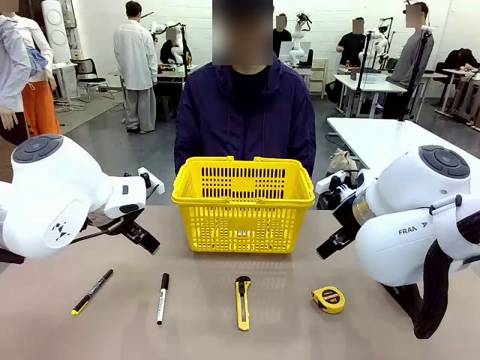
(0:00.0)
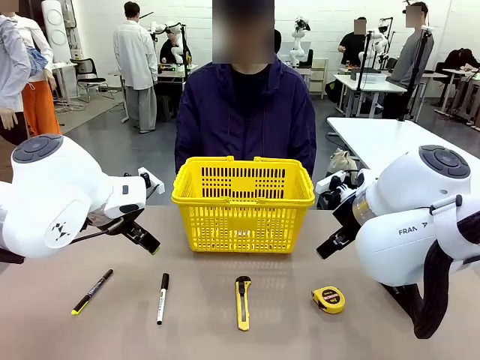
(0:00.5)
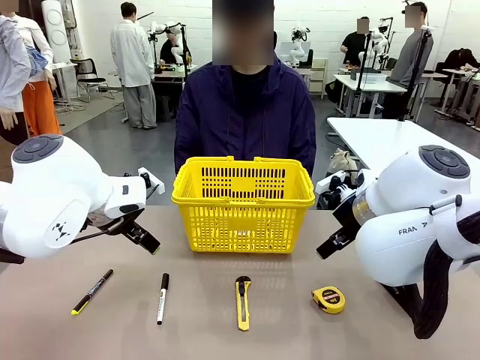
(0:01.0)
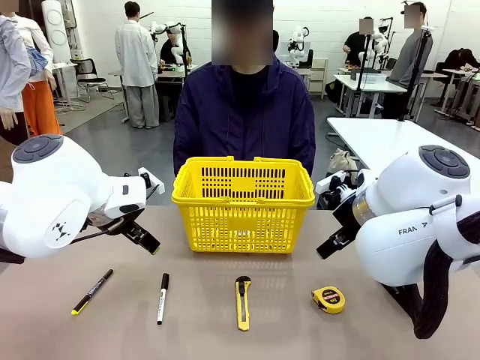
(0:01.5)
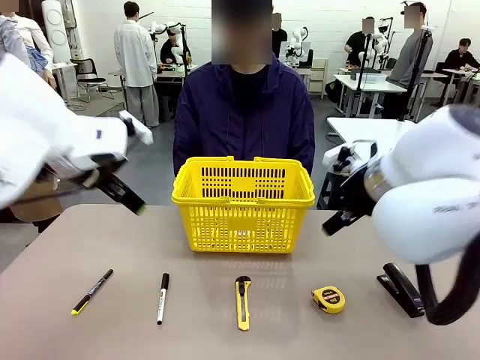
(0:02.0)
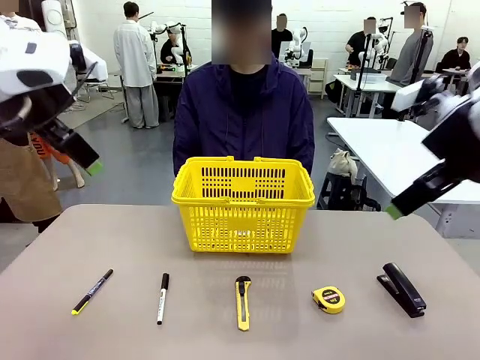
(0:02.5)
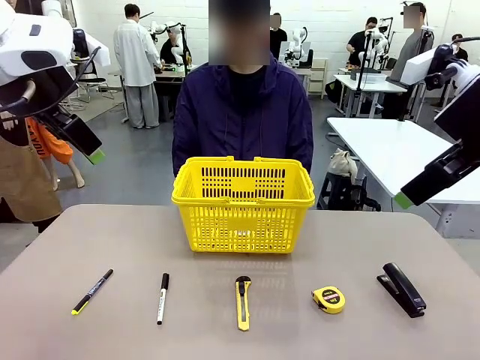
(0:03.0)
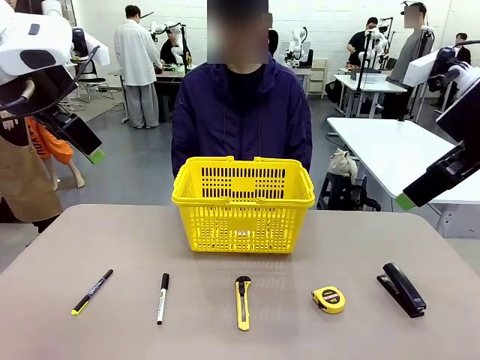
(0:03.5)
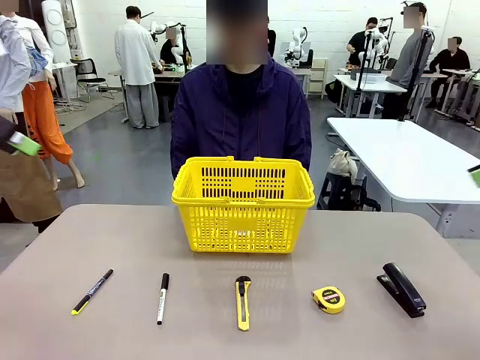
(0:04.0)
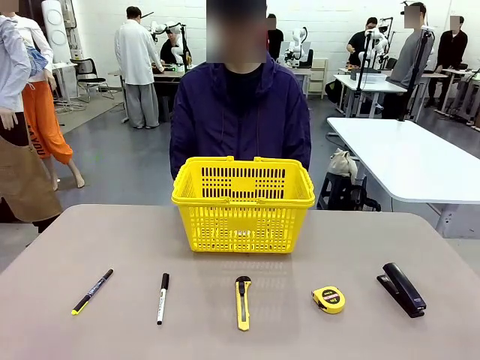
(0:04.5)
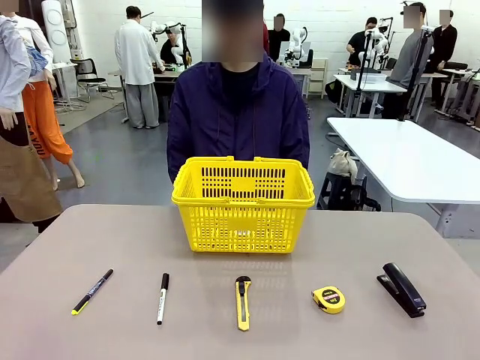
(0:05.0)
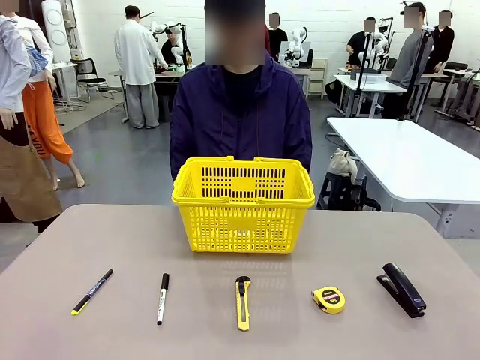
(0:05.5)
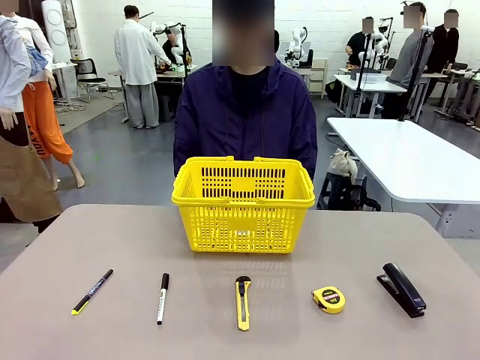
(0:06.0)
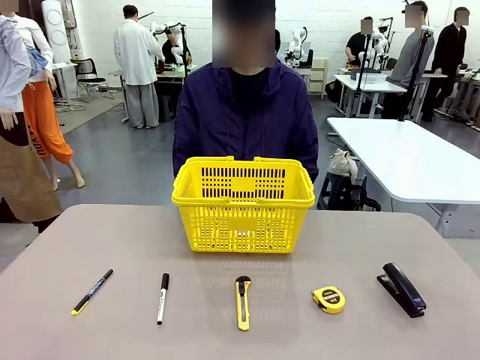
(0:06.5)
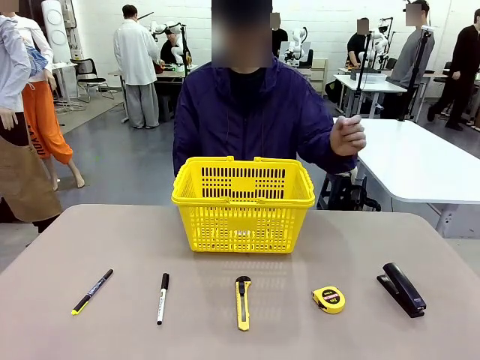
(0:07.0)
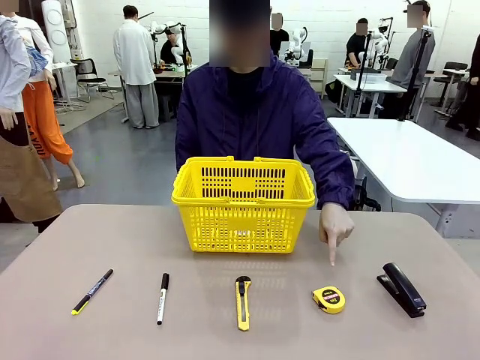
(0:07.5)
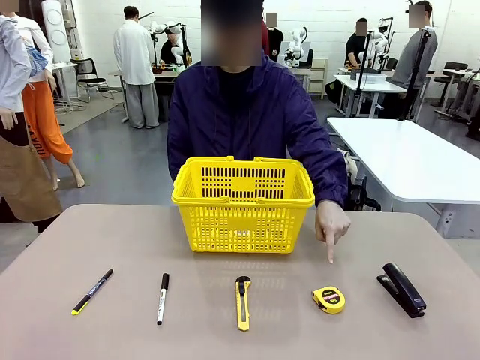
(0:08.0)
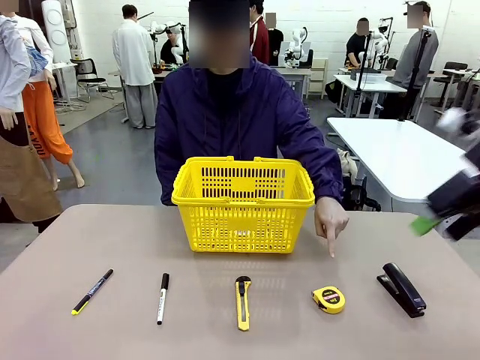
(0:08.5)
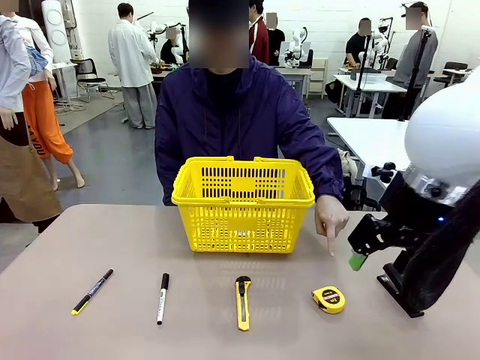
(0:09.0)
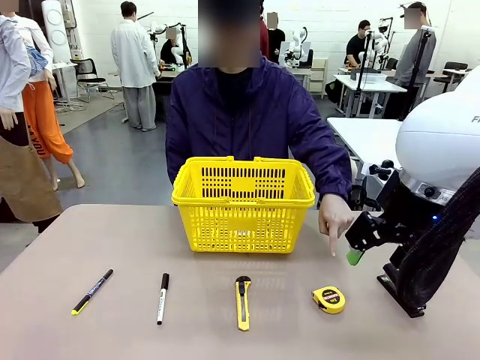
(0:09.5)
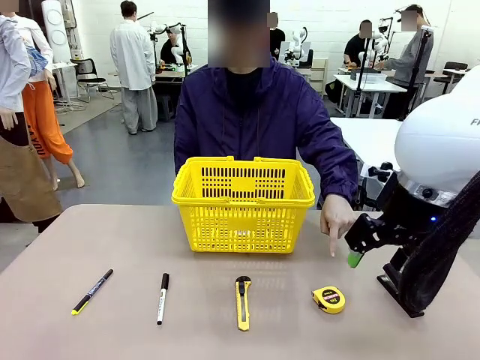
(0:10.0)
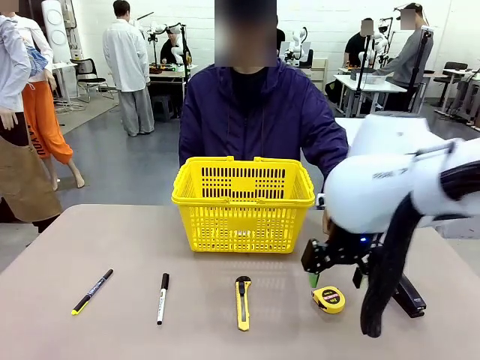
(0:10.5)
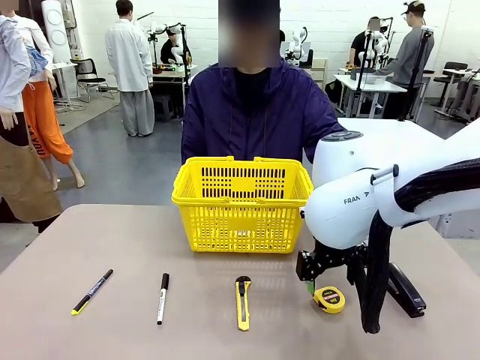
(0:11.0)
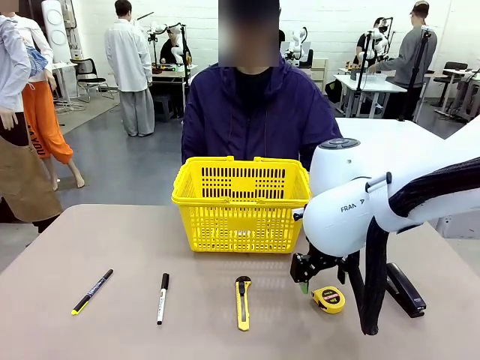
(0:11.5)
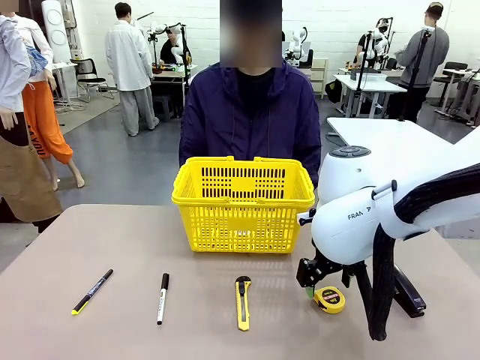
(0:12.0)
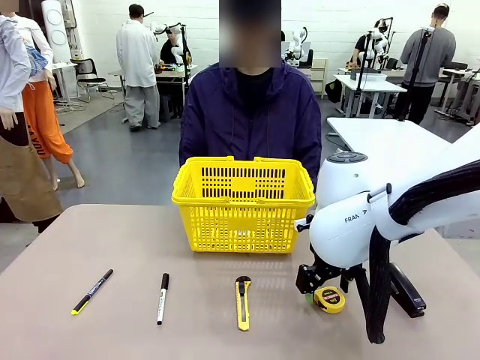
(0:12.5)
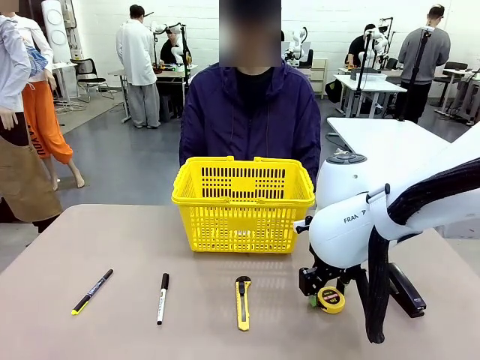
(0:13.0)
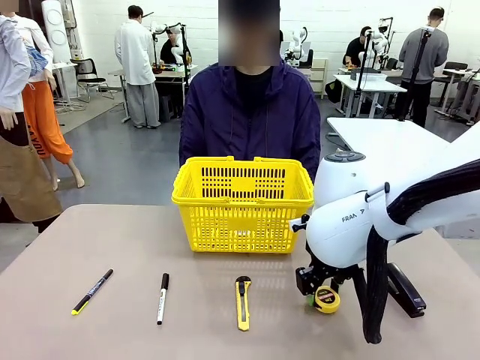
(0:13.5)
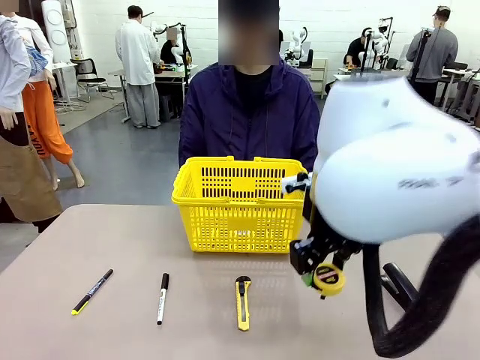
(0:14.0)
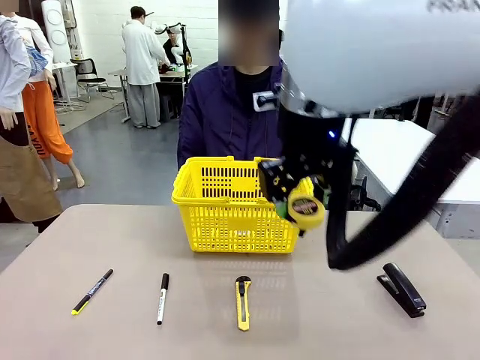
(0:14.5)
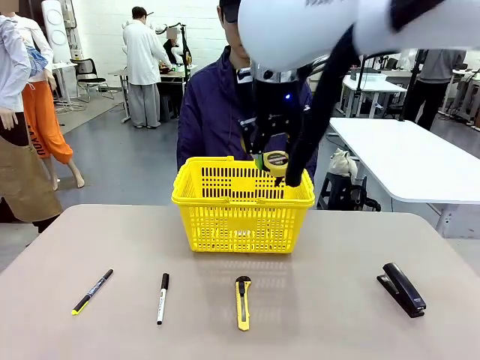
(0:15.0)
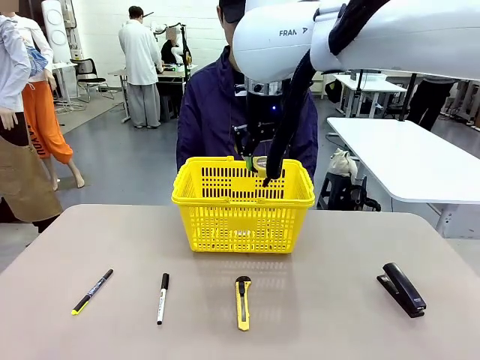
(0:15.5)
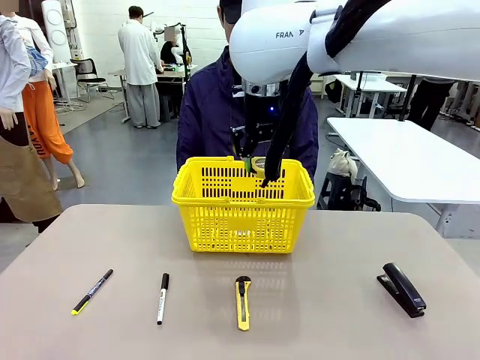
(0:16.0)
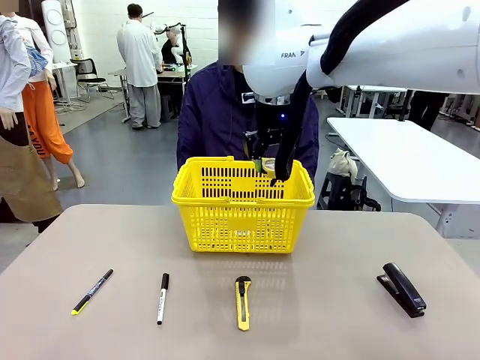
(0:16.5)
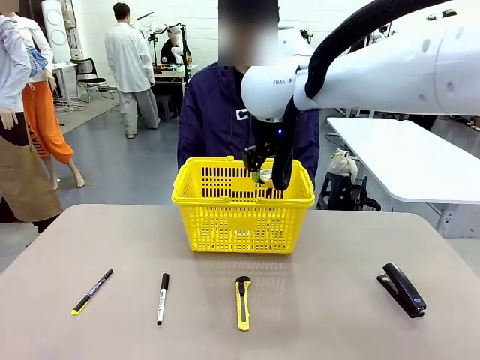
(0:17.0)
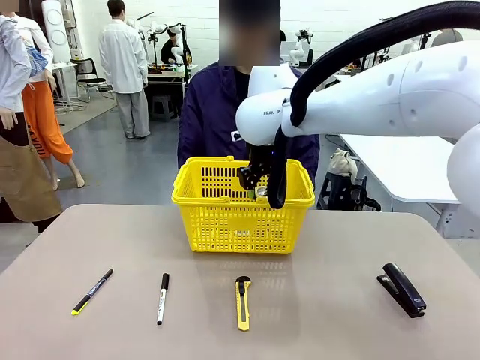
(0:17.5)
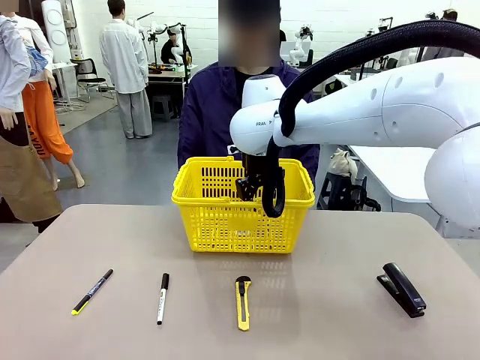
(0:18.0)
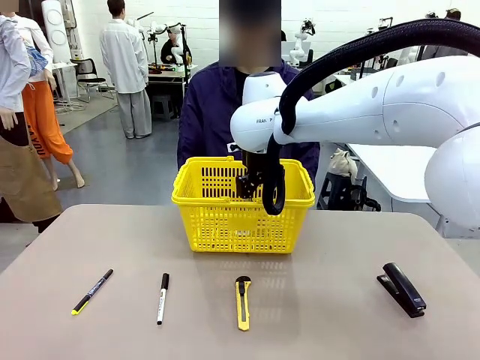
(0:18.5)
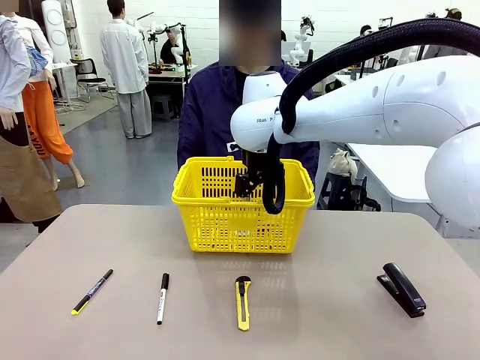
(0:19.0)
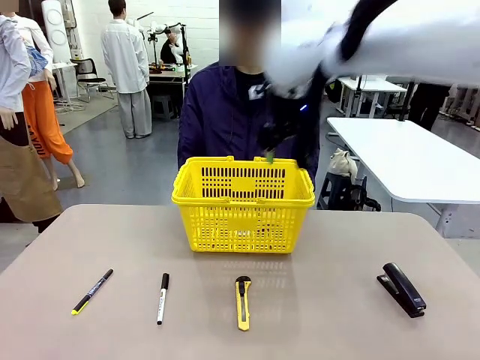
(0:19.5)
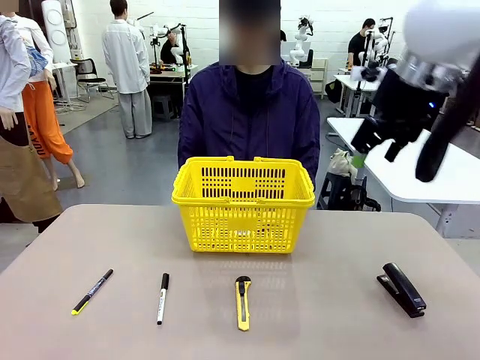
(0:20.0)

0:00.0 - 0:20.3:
Task: Place the items the person wants into the basket.
Robot: Pick up the item the person points to and place it in the Market Basket.
